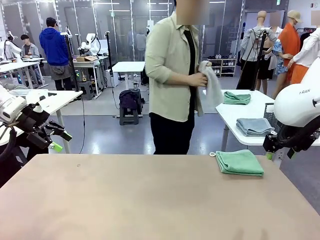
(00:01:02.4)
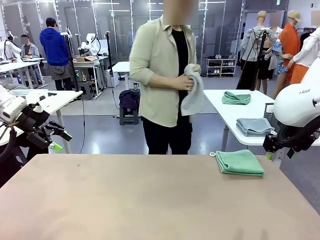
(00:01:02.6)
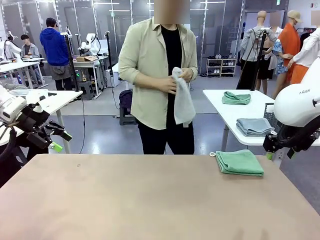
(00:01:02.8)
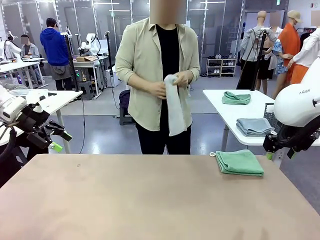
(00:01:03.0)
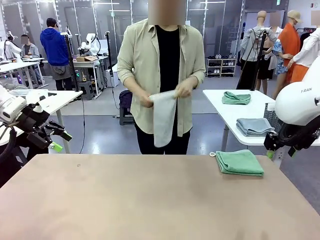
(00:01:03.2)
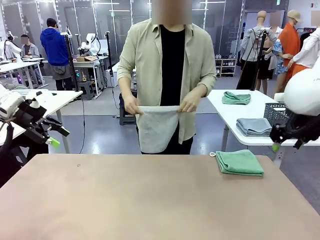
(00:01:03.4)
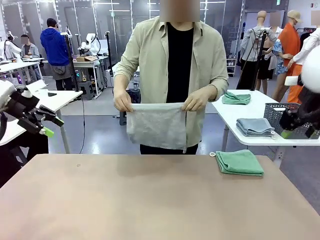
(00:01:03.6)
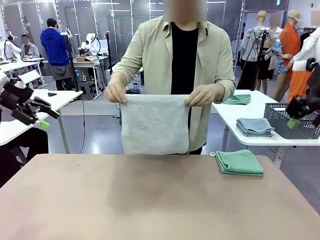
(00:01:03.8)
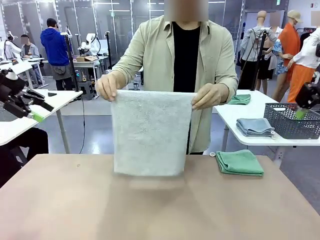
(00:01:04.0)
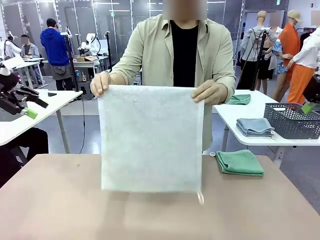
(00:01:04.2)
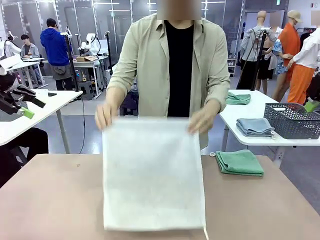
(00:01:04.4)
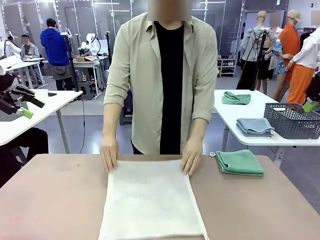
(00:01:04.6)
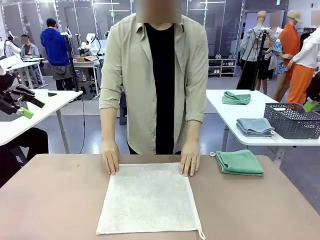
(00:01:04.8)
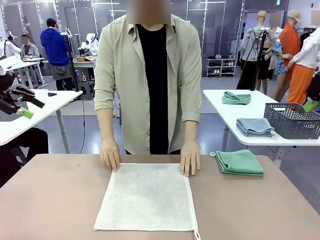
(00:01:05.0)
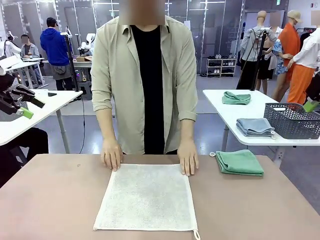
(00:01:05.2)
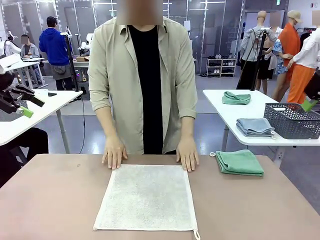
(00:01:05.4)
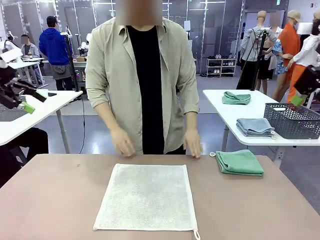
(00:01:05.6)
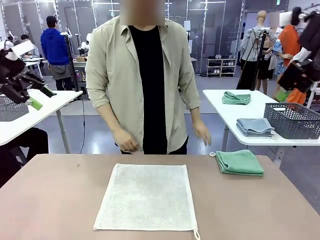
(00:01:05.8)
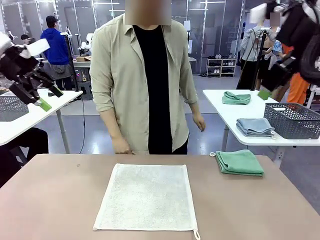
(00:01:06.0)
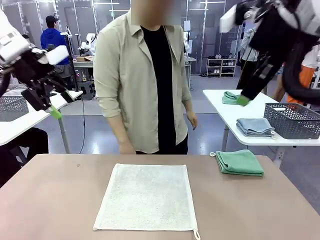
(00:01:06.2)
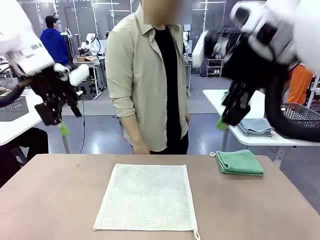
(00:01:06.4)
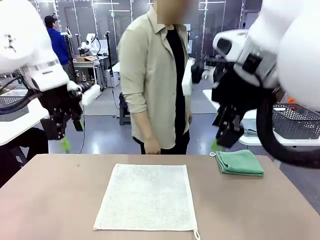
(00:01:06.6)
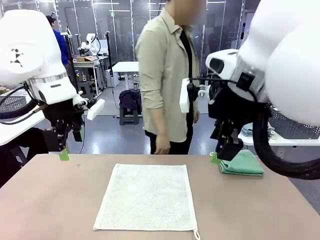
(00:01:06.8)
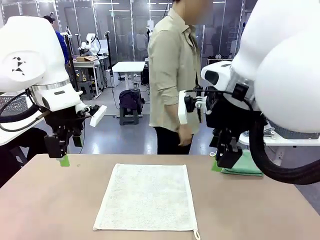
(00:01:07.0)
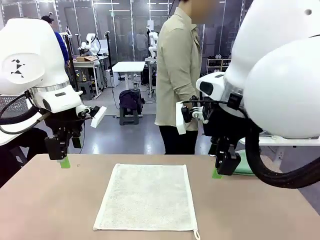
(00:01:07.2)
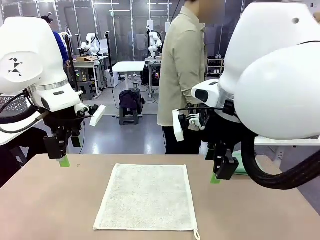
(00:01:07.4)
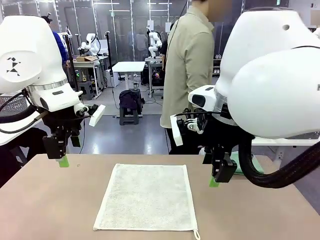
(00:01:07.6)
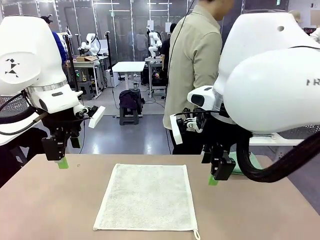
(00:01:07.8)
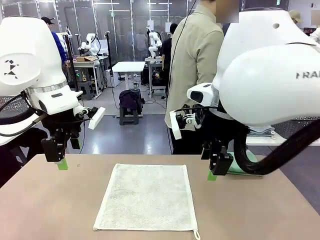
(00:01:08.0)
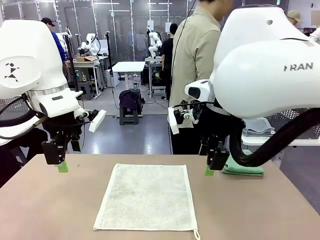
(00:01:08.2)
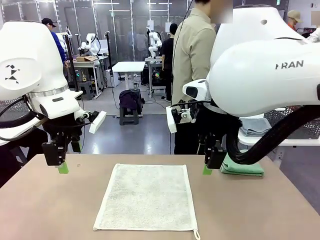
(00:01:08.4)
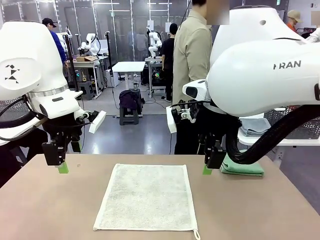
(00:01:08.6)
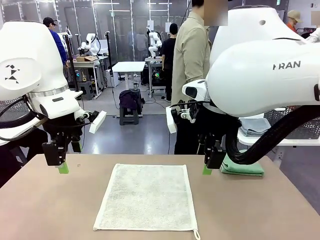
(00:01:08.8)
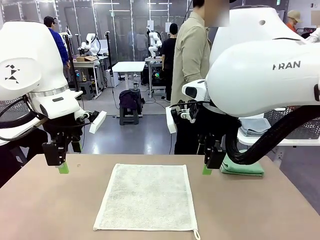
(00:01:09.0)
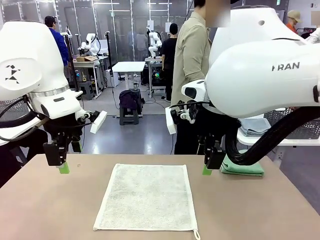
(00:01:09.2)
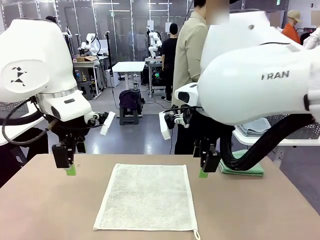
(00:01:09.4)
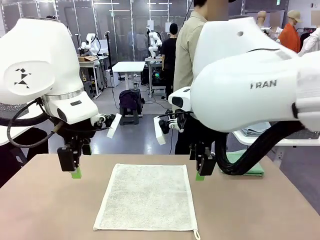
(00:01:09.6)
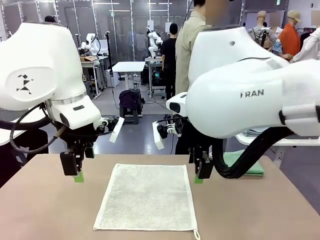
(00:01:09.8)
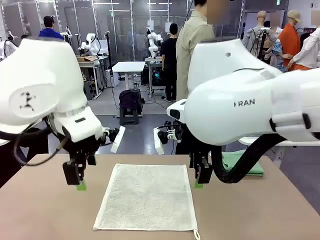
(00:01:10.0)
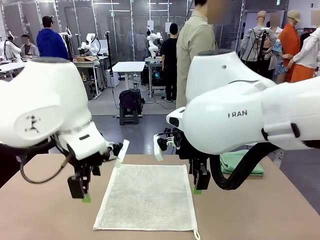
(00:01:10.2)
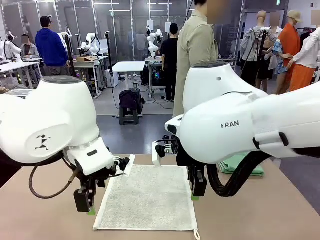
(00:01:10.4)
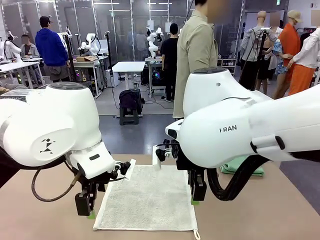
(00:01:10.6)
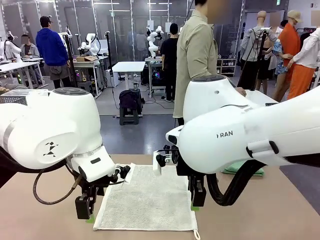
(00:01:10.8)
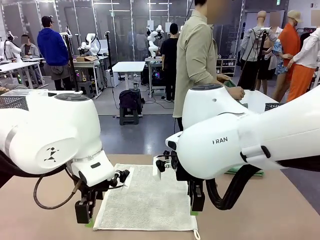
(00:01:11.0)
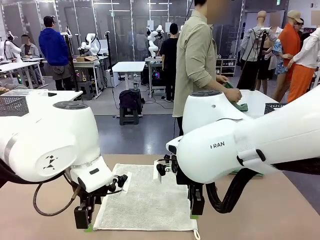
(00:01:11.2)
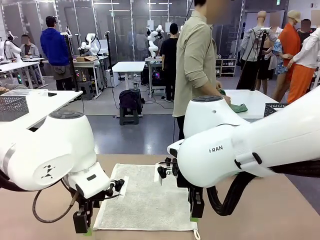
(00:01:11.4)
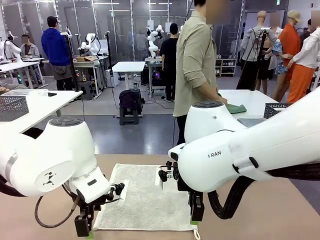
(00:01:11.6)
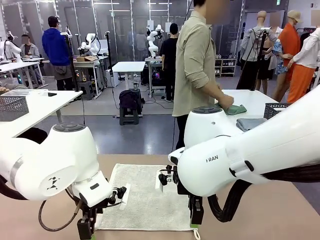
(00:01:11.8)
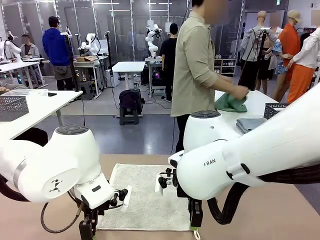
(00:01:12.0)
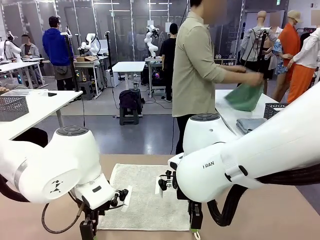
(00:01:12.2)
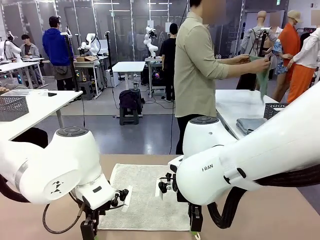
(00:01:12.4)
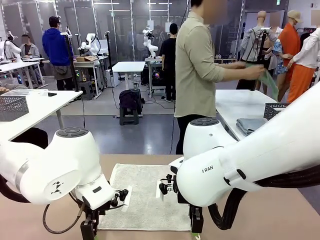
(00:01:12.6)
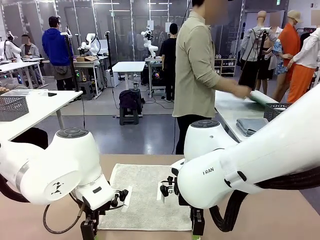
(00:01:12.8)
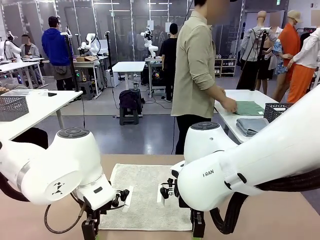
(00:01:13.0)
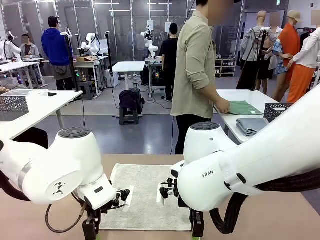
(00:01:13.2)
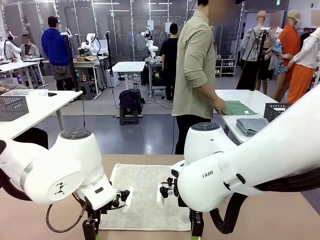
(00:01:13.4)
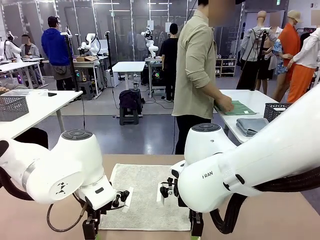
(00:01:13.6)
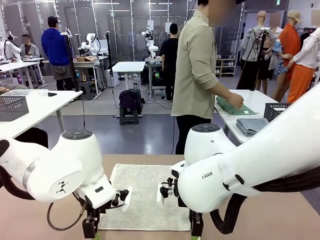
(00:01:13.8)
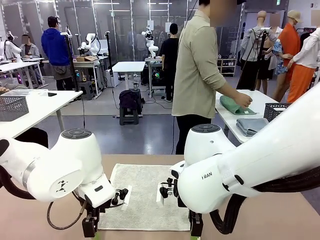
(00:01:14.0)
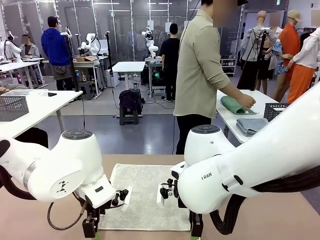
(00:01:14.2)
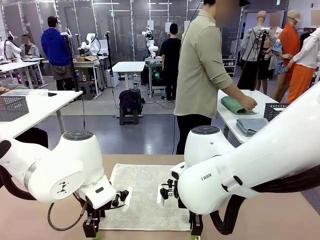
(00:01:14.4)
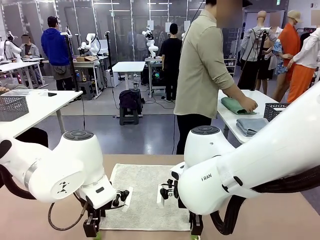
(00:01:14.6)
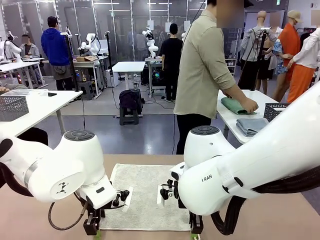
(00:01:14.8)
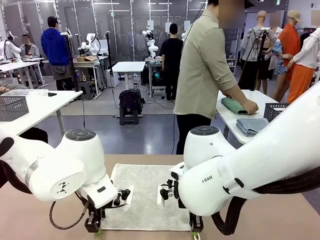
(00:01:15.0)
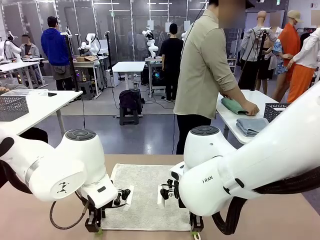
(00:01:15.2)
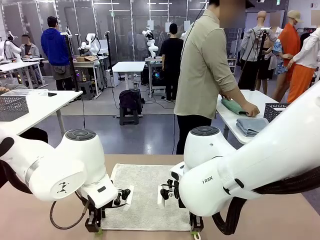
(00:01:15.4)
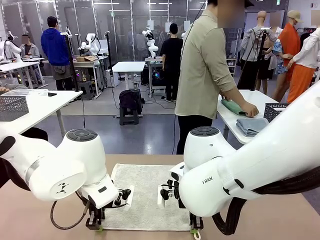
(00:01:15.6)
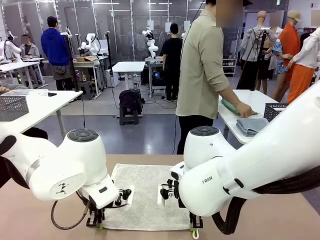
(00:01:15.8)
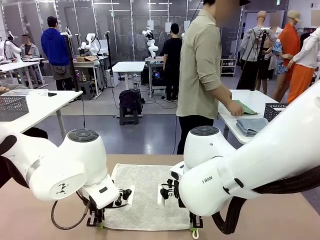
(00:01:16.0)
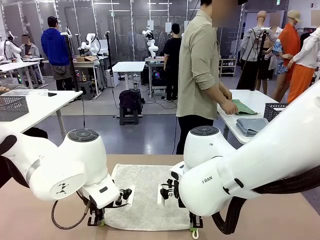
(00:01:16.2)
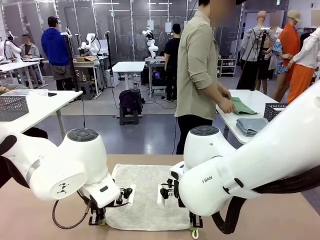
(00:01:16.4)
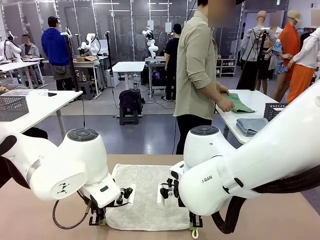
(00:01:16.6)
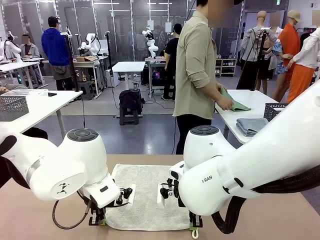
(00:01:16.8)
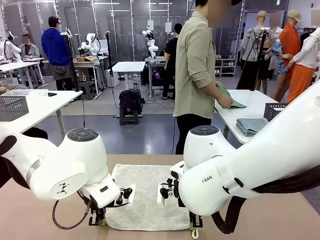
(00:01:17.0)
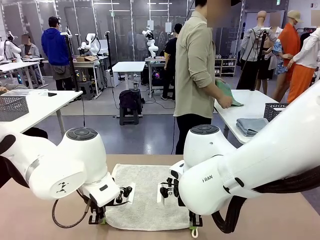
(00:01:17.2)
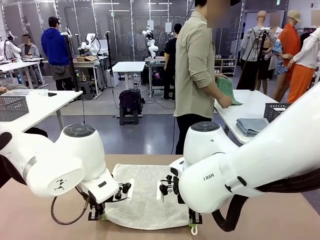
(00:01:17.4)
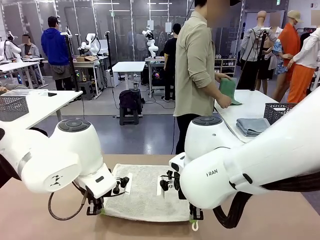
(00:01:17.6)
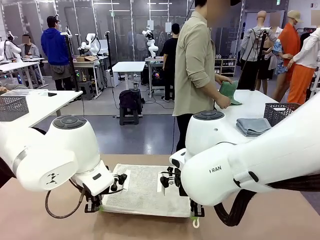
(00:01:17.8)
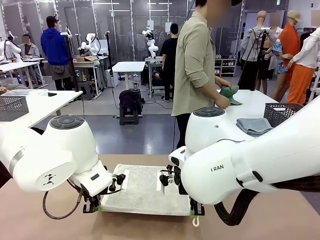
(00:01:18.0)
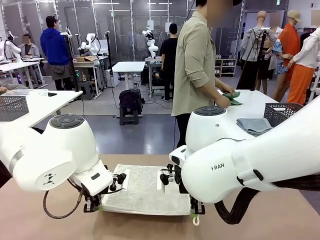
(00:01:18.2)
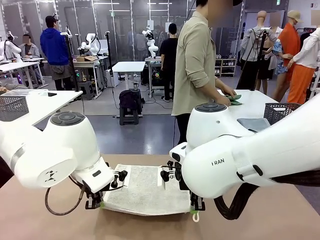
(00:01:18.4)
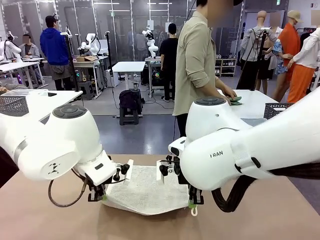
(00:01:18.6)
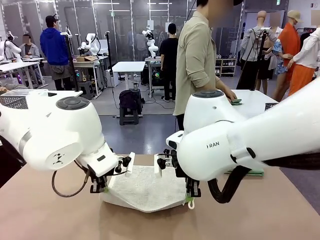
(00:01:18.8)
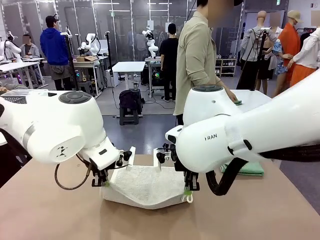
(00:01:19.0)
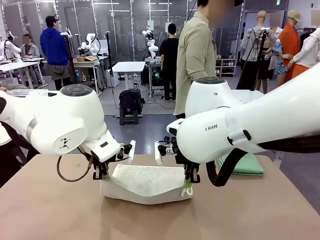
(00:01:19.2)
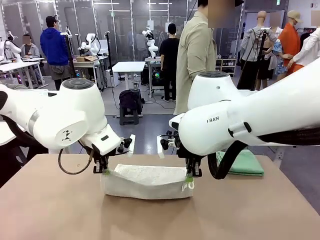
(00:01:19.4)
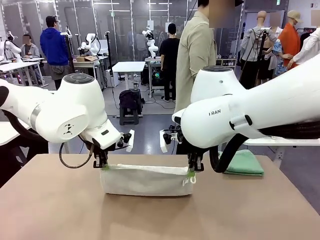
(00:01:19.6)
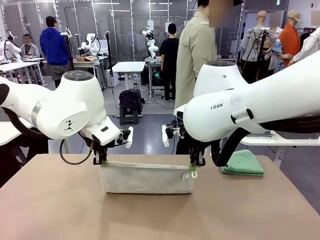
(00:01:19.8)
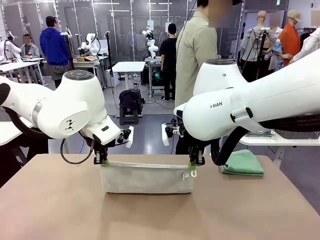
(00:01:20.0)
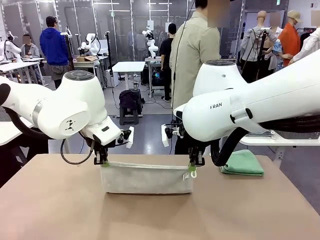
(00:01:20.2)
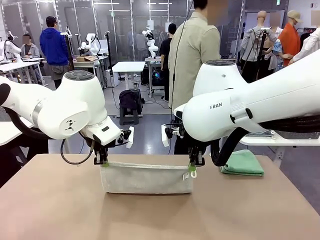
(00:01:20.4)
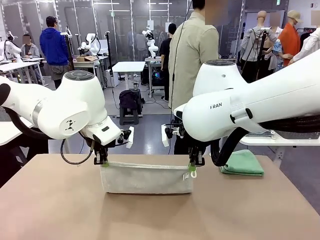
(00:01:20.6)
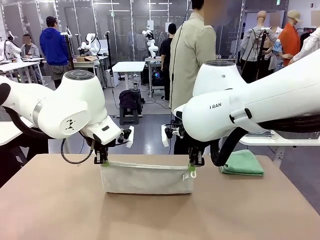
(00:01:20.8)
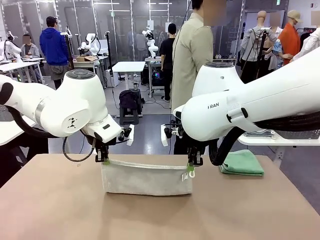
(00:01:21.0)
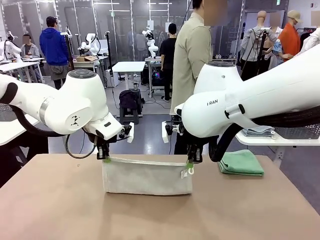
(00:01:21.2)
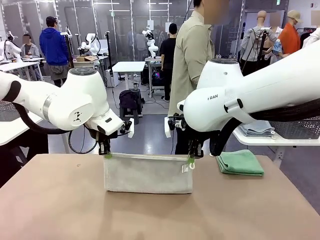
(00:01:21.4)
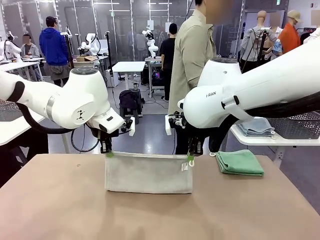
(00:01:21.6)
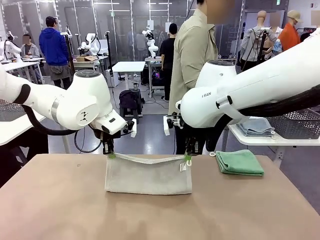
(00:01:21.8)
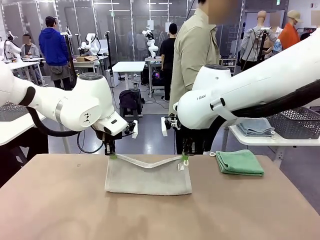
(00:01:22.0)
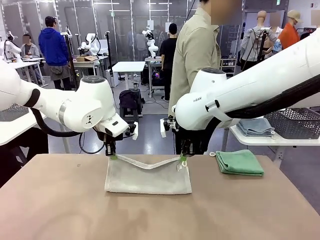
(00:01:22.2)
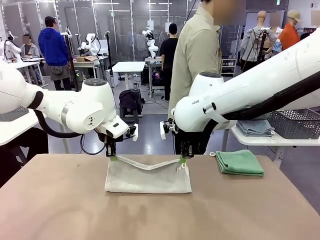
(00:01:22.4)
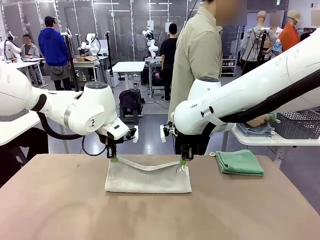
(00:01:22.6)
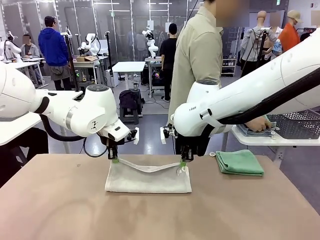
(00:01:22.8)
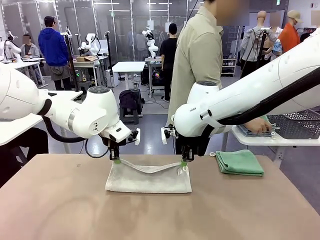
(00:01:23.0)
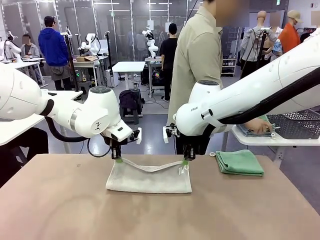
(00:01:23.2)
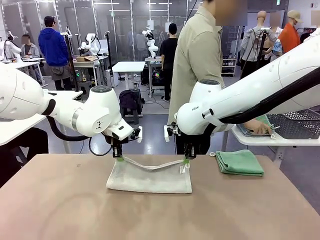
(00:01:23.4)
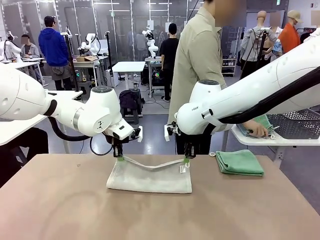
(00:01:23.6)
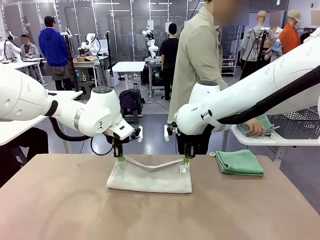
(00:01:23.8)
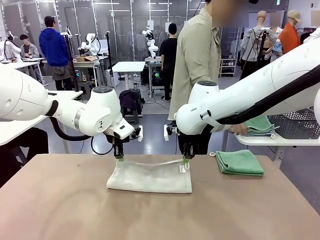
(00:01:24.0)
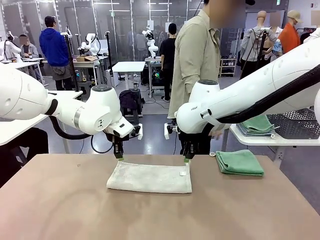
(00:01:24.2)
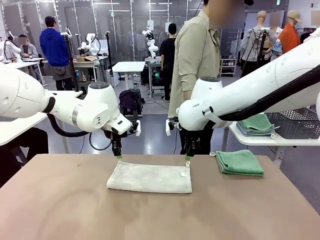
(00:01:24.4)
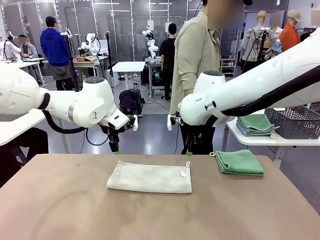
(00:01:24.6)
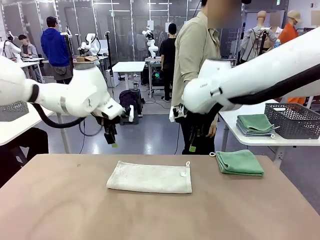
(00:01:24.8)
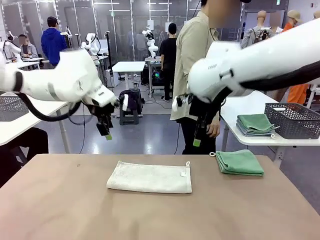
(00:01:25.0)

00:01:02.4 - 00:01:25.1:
Task: Fold the towels and place them in the basket.
Robot: When a person lays out a Towel with hook on the table, fold it in half twice.
Person: Pick up one towel from the left side of the human table, fold it in half twice, and stack it on the right side of the table.
